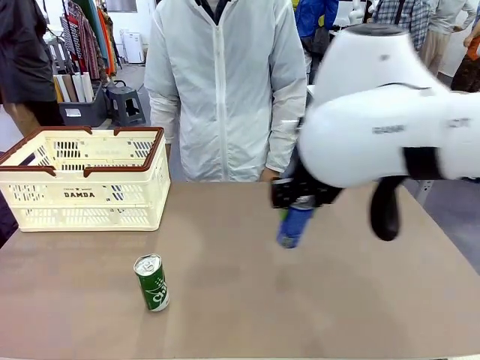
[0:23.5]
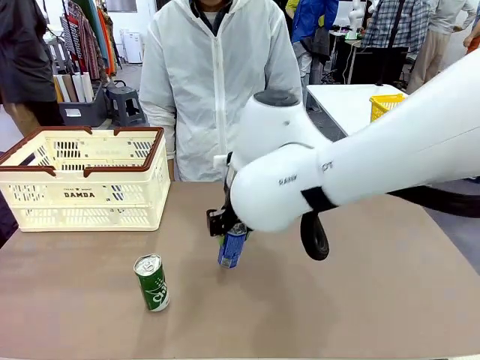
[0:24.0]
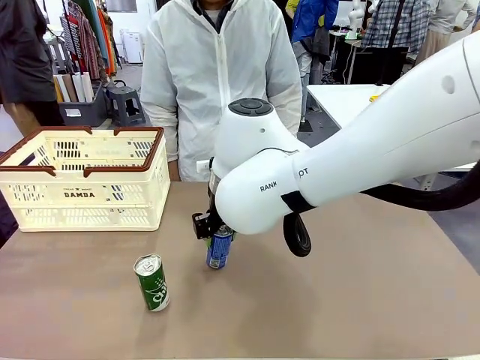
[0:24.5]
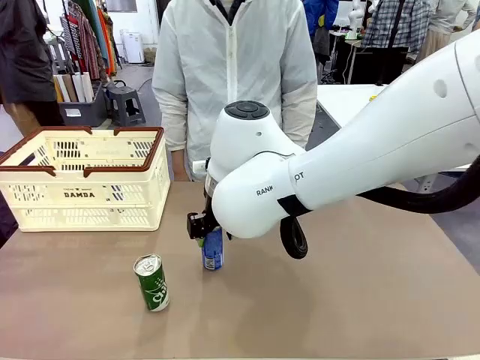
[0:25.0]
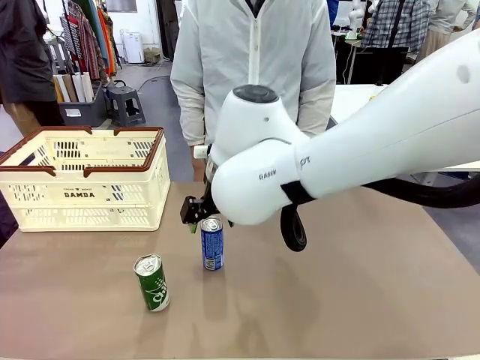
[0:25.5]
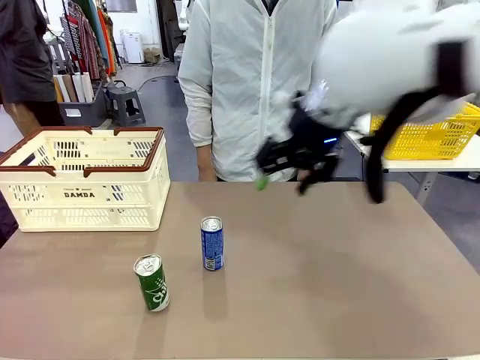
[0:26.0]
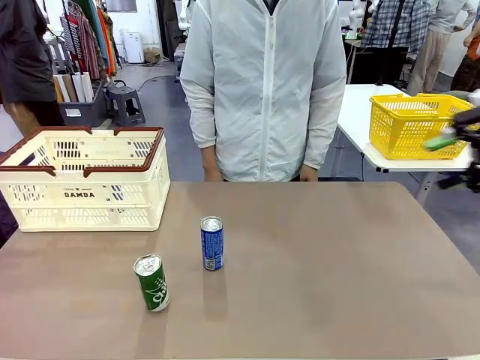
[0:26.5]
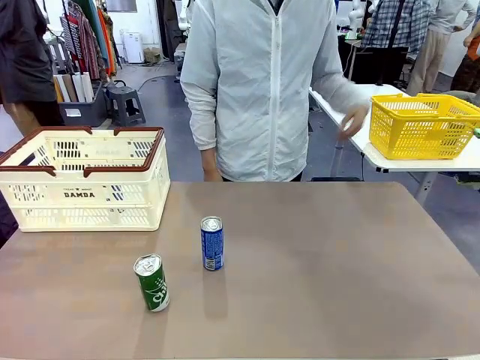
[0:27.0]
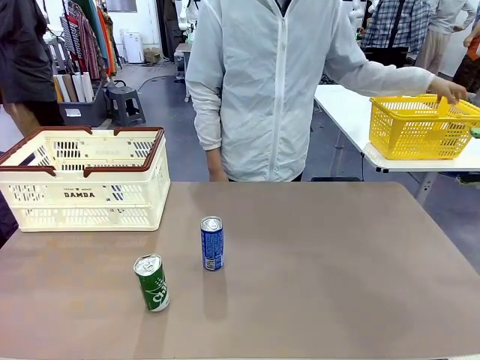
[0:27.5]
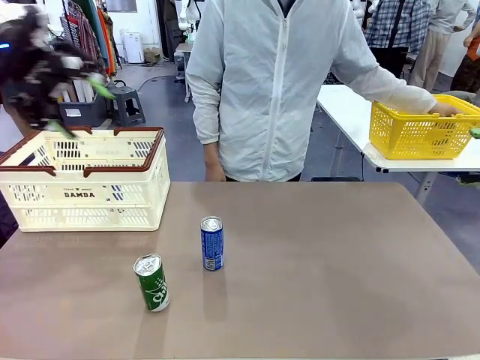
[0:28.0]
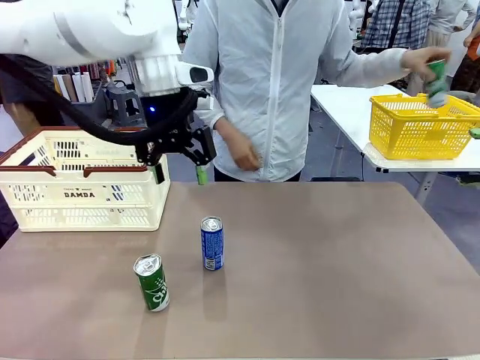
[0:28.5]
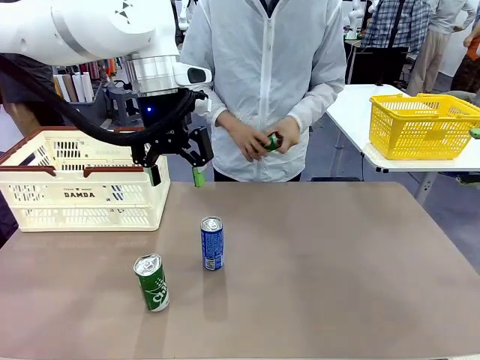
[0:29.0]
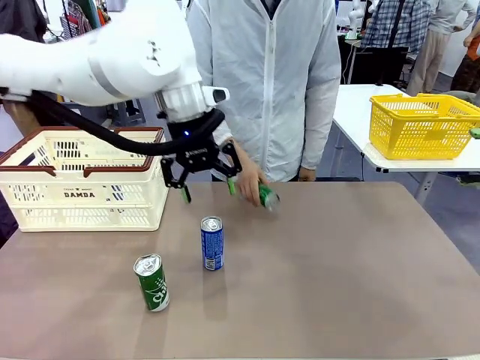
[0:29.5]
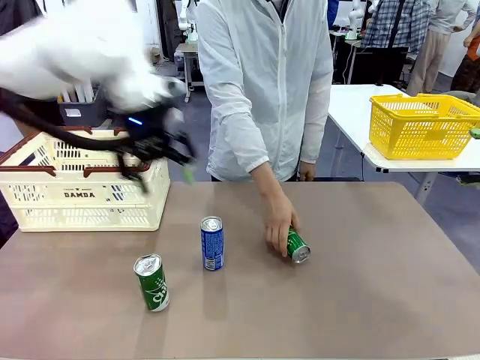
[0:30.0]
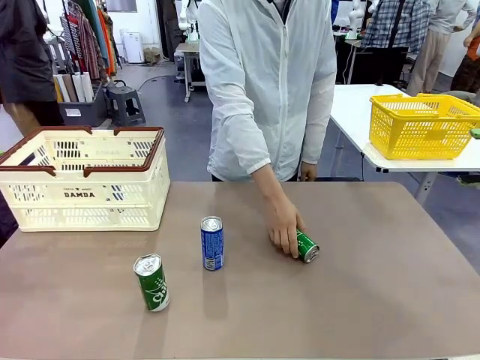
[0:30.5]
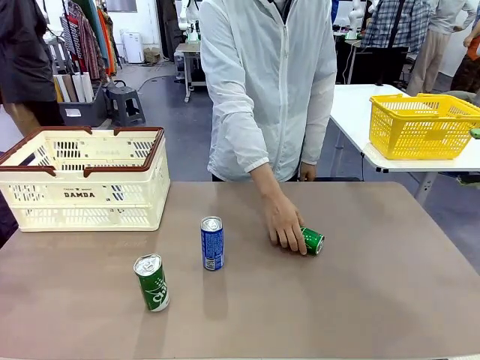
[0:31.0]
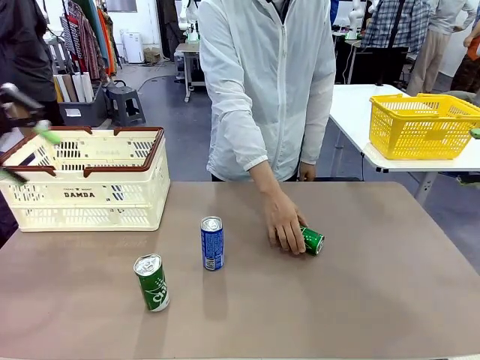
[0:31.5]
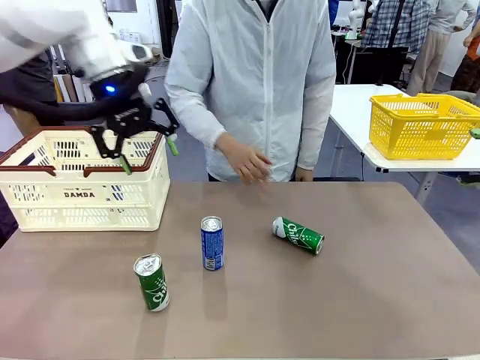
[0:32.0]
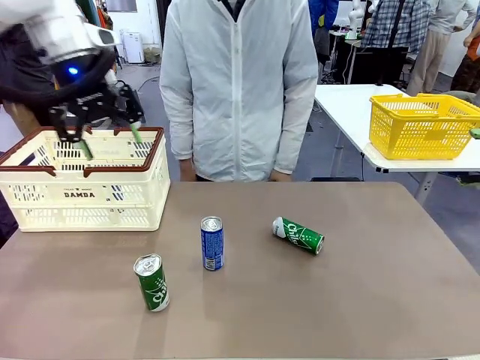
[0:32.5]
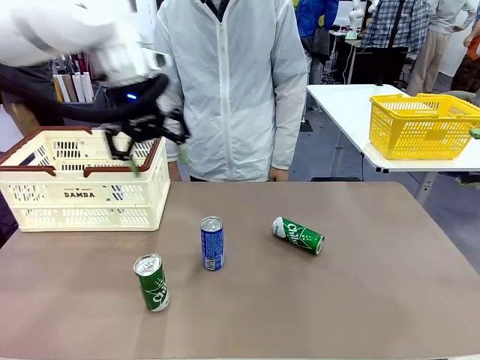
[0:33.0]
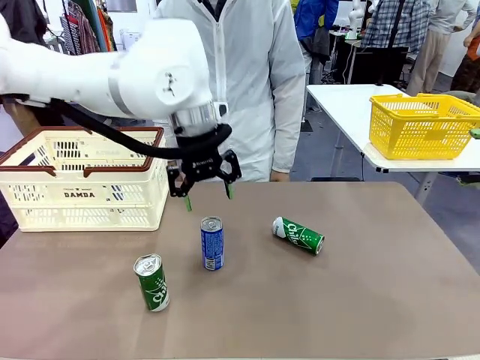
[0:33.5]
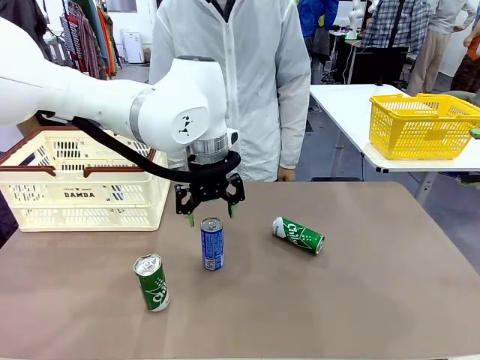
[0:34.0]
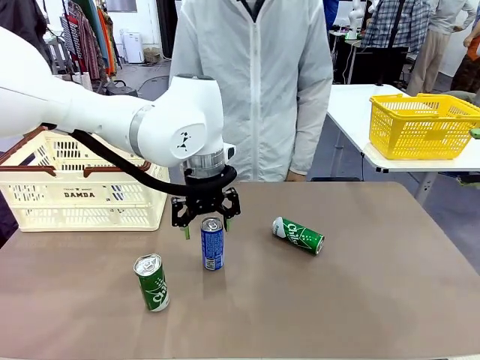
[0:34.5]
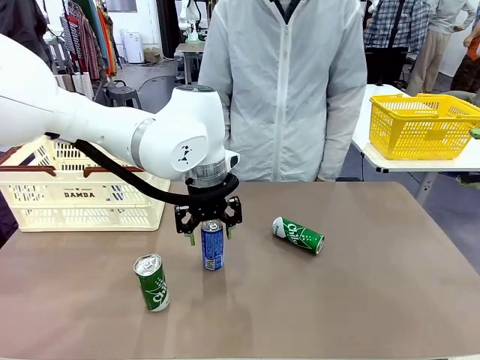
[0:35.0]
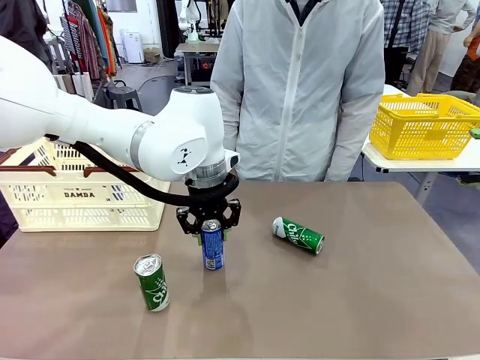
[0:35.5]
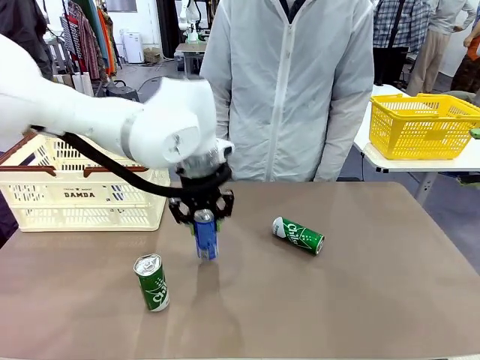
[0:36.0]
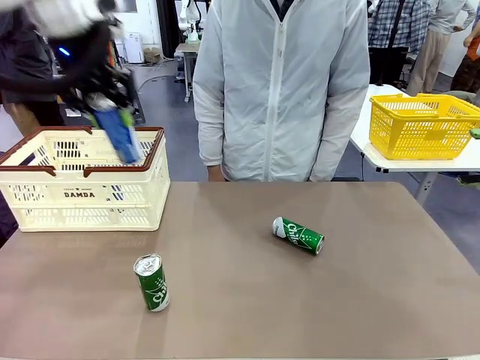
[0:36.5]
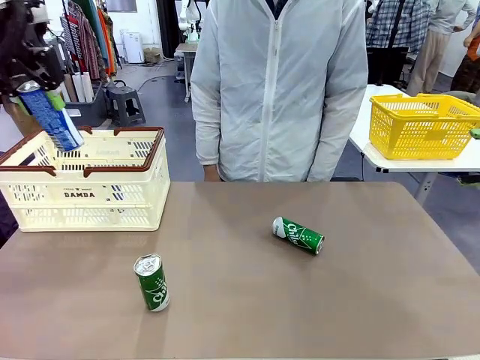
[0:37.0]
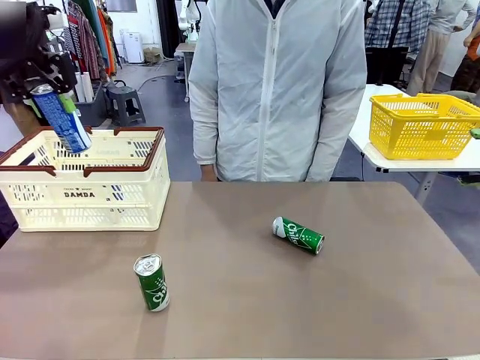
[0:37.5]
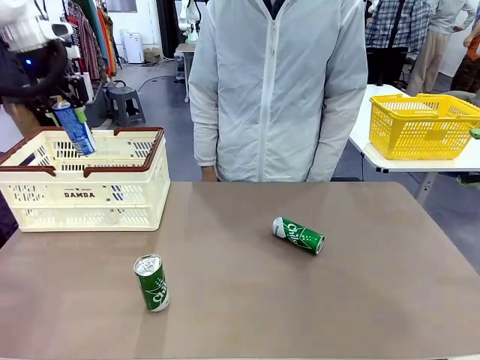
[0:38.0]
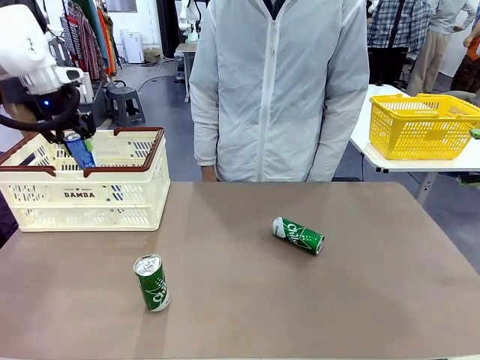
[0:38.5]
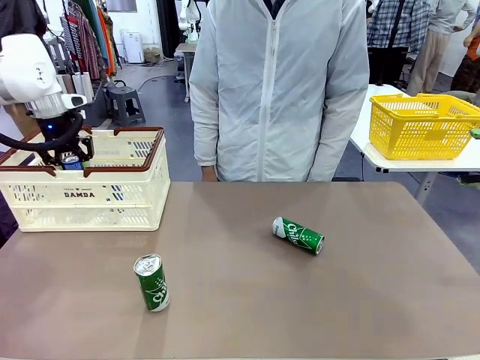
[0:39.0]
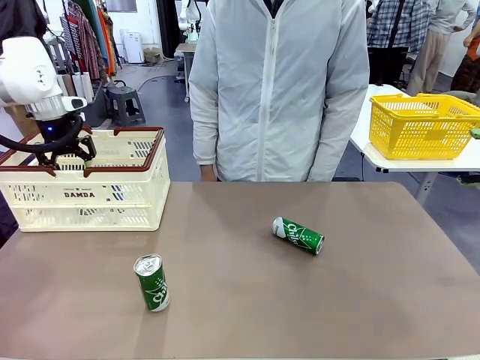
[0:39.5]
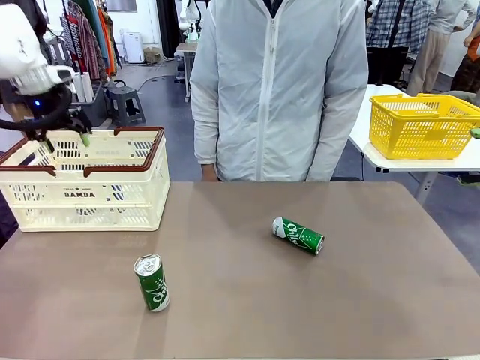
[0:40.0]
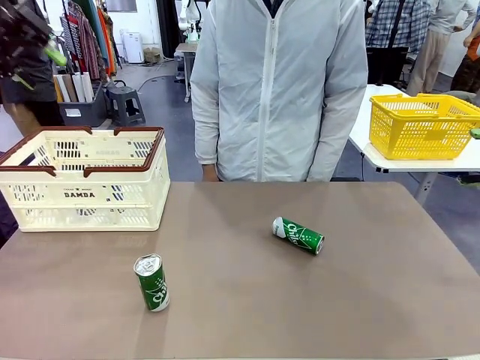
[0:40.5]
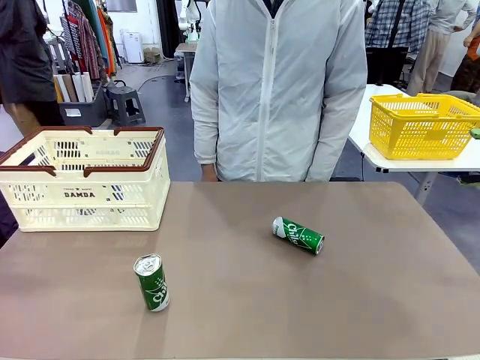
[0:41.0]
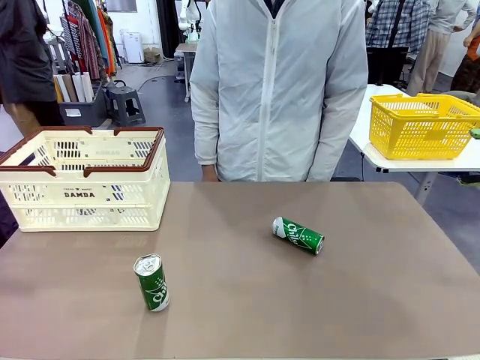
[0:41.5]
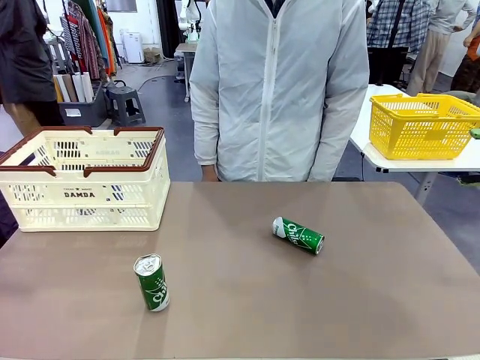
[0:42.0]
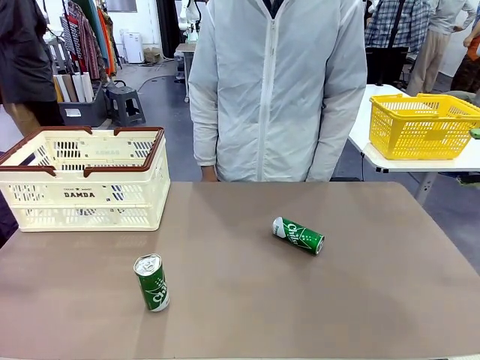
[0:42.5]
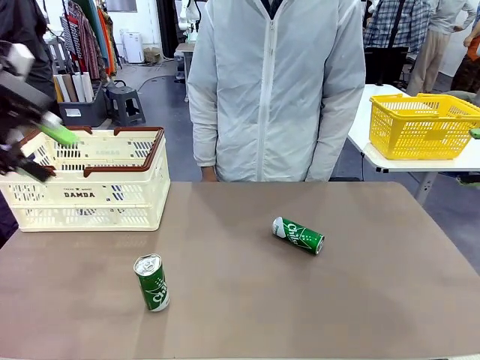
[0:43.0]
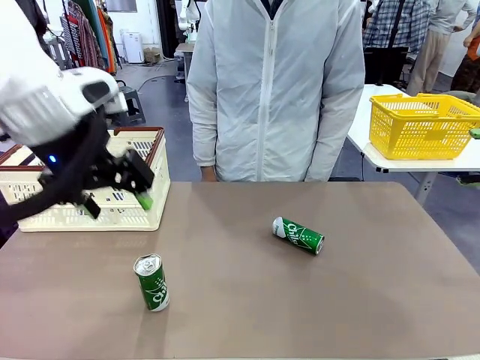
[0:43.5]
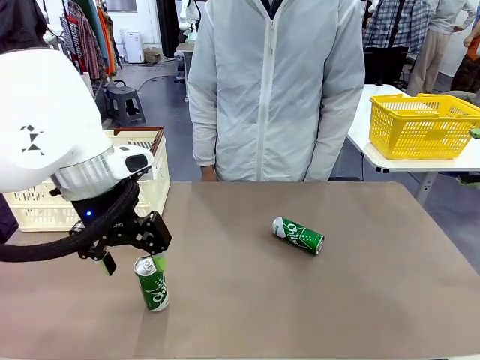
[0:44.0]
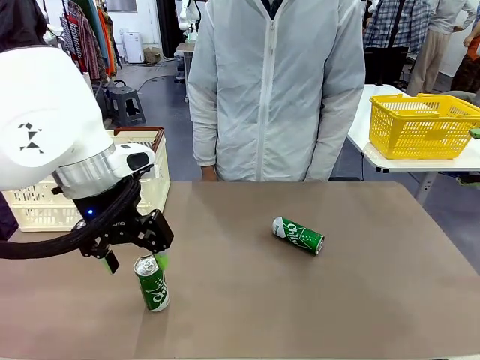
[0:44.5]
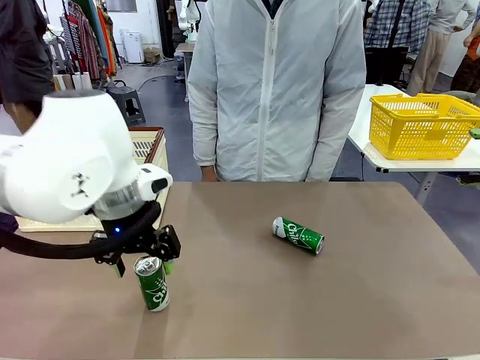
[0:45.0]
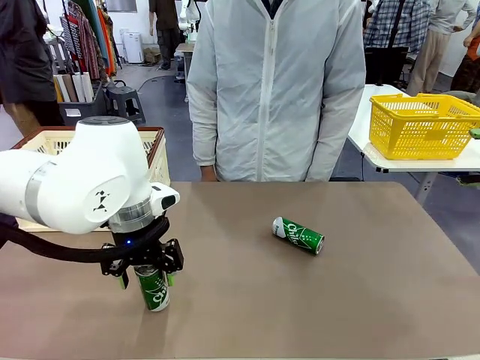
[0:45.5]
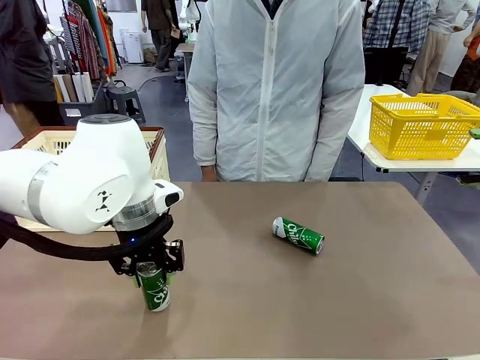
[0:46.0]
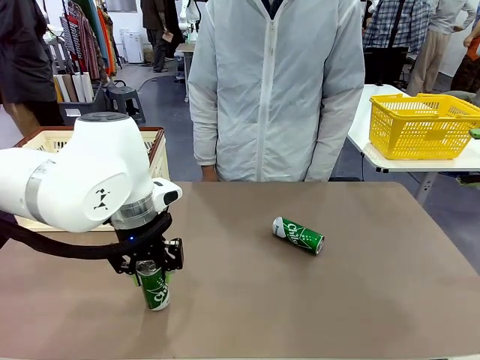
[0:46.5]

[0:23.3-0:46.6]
Task: Place the drinks into the Shopping basket.
Robot: Pick up one drink and place it into the Shopping basket.
